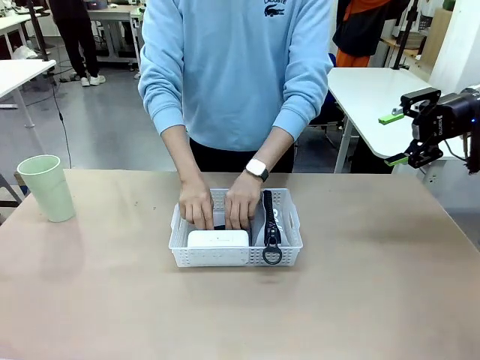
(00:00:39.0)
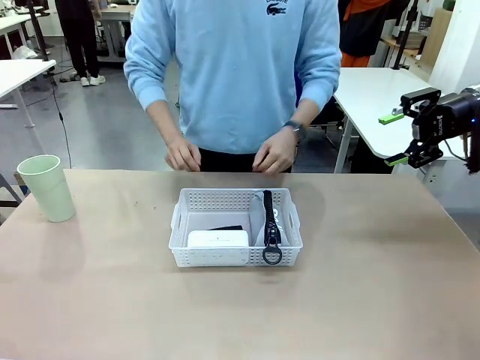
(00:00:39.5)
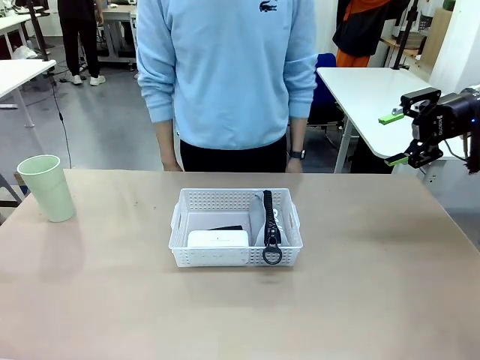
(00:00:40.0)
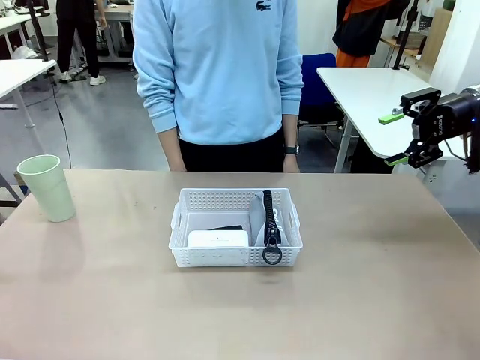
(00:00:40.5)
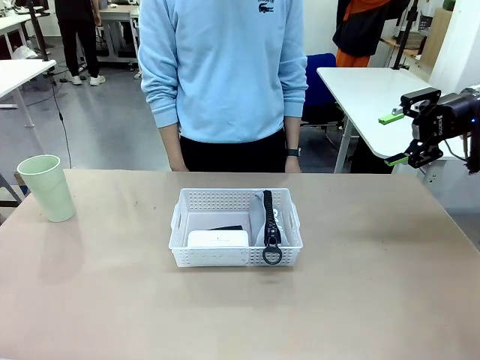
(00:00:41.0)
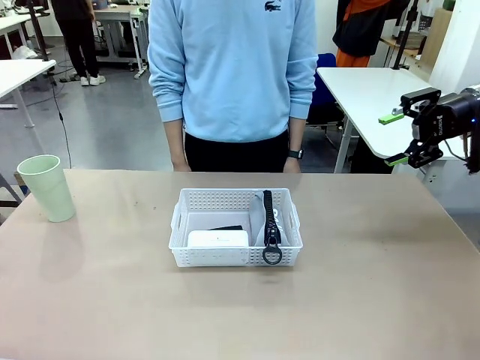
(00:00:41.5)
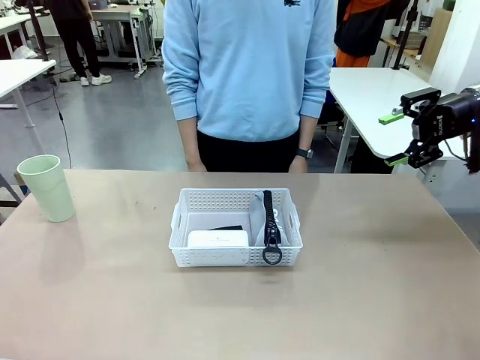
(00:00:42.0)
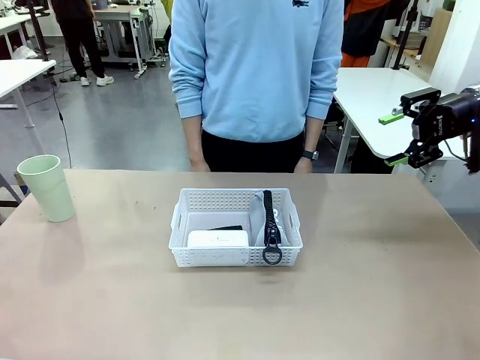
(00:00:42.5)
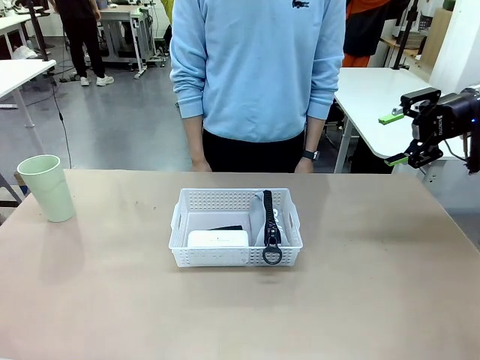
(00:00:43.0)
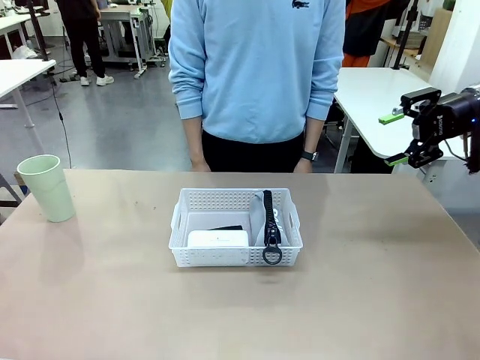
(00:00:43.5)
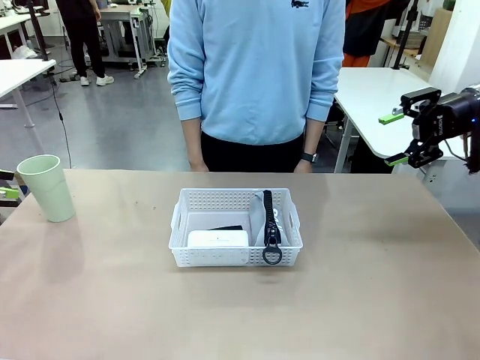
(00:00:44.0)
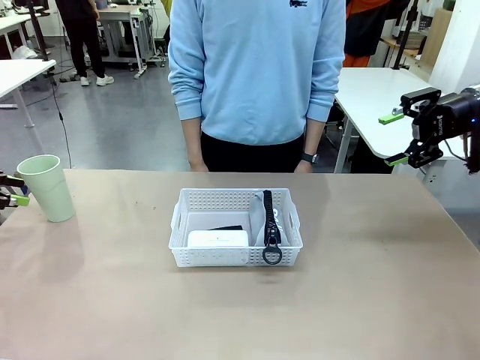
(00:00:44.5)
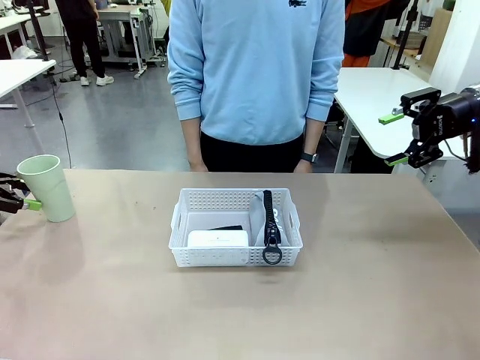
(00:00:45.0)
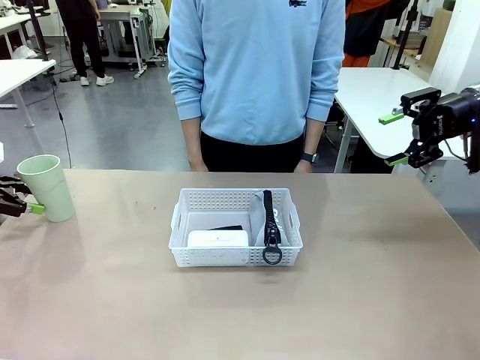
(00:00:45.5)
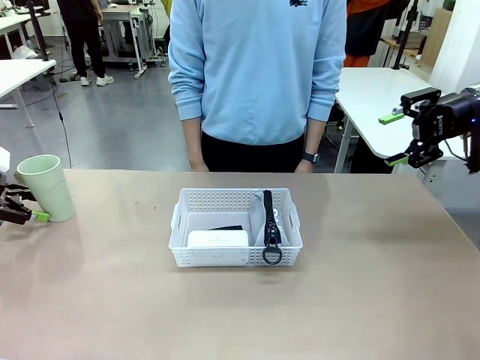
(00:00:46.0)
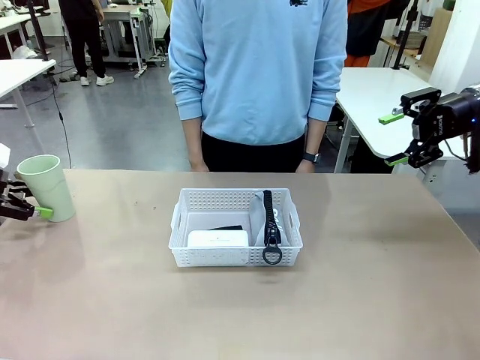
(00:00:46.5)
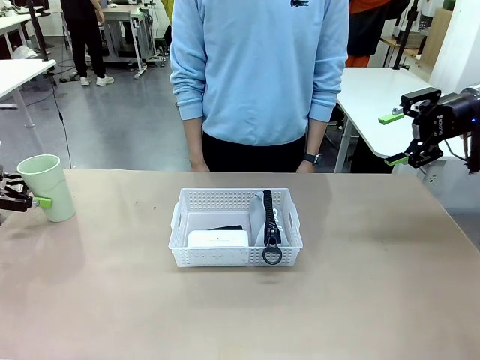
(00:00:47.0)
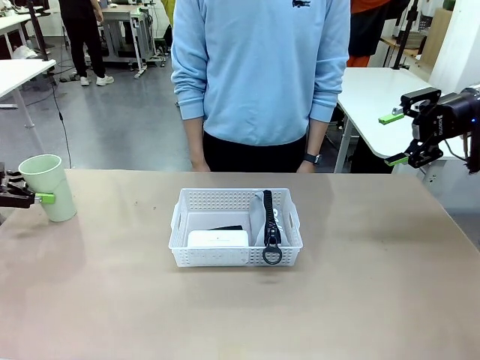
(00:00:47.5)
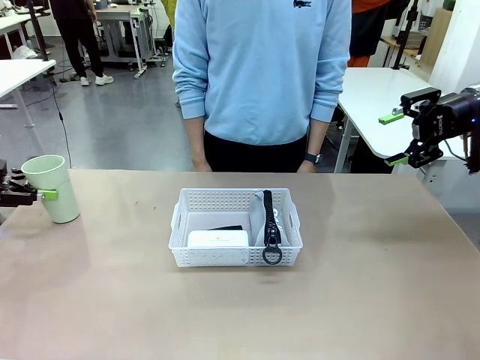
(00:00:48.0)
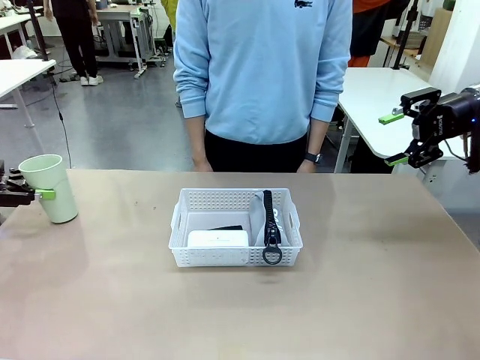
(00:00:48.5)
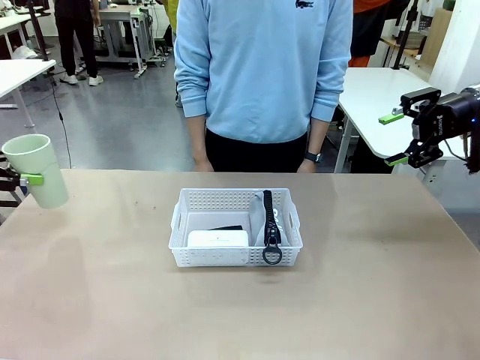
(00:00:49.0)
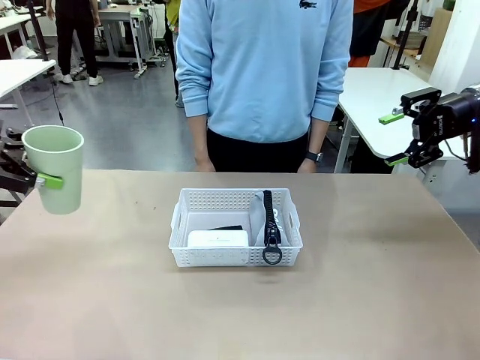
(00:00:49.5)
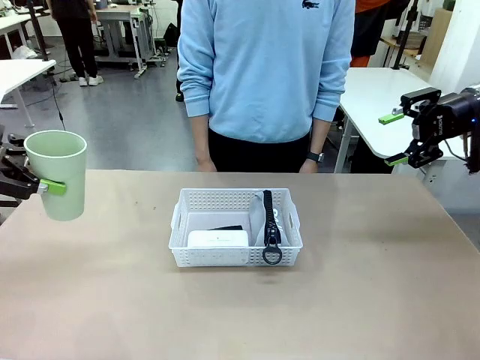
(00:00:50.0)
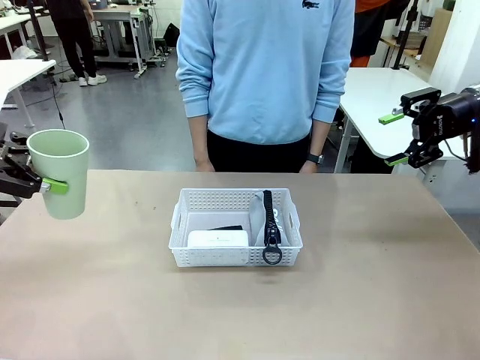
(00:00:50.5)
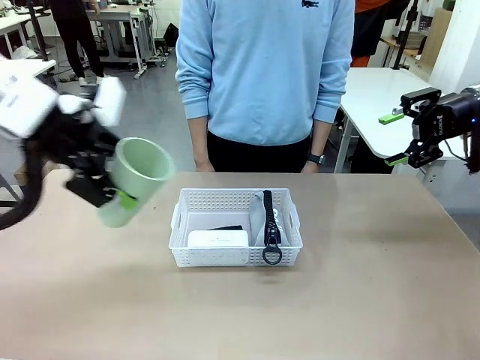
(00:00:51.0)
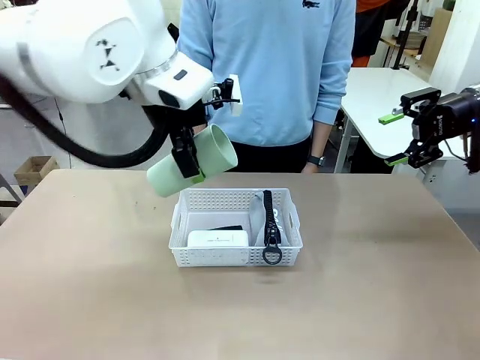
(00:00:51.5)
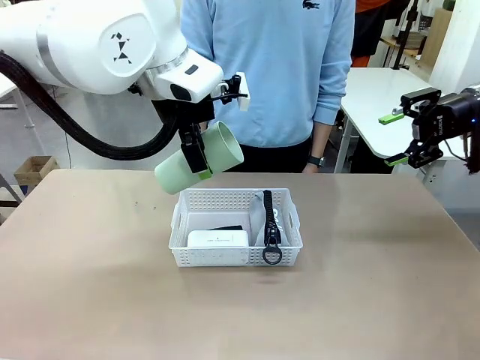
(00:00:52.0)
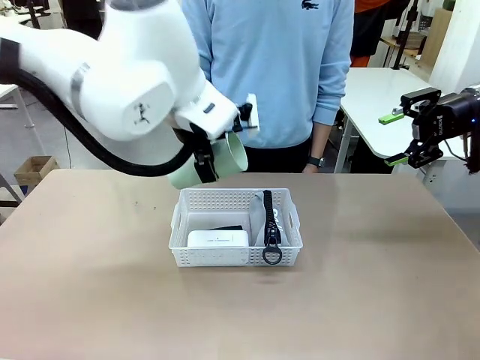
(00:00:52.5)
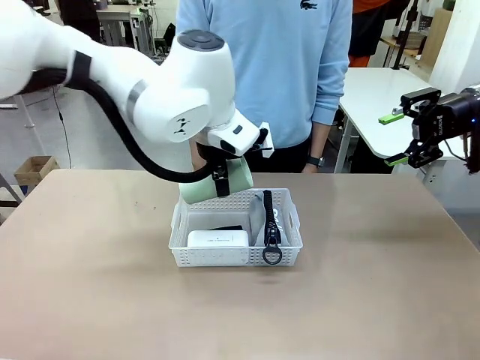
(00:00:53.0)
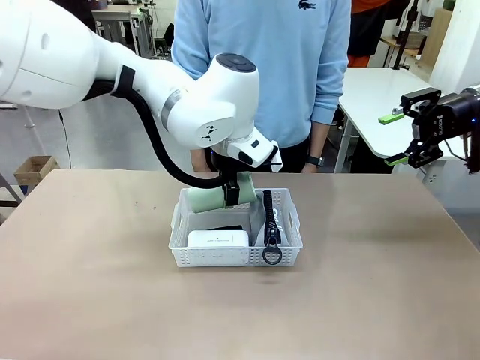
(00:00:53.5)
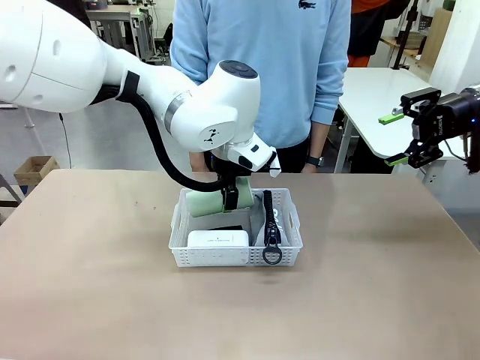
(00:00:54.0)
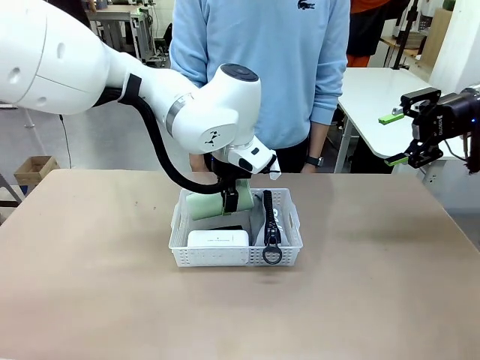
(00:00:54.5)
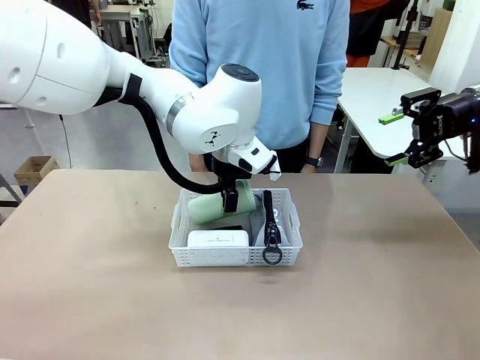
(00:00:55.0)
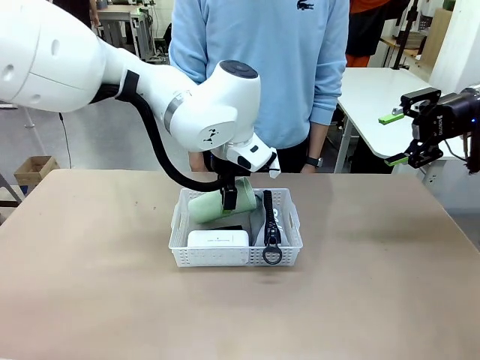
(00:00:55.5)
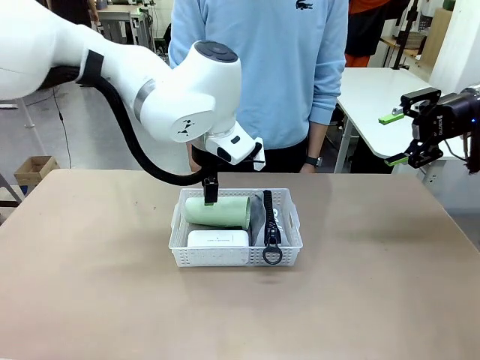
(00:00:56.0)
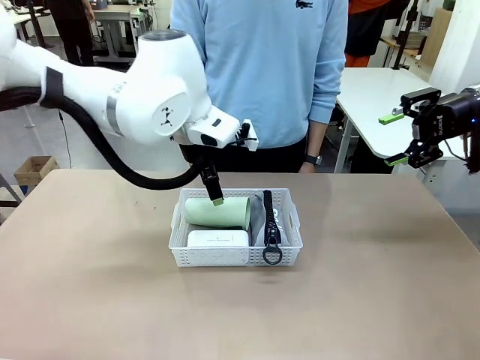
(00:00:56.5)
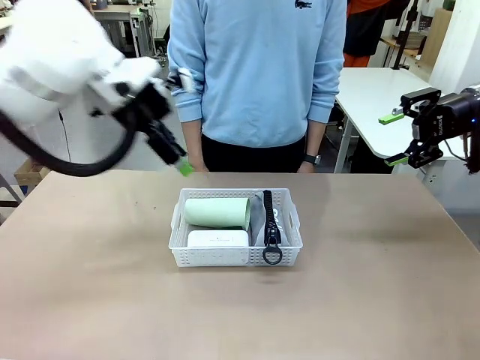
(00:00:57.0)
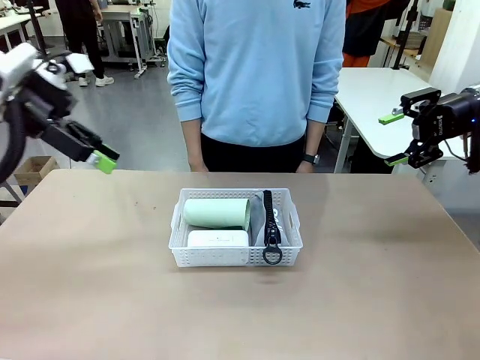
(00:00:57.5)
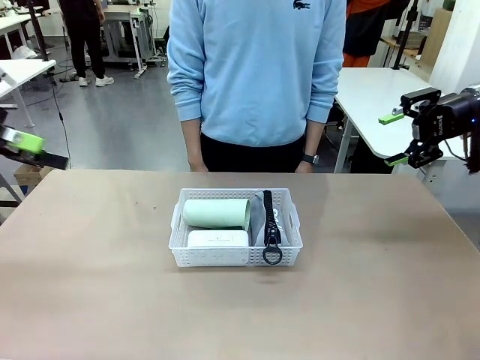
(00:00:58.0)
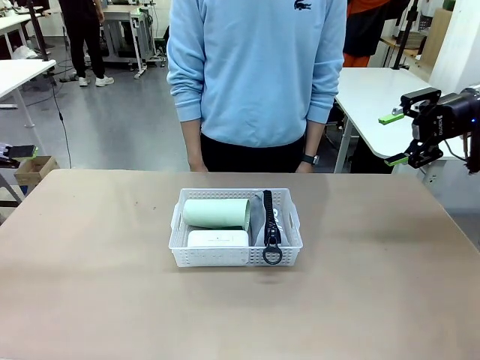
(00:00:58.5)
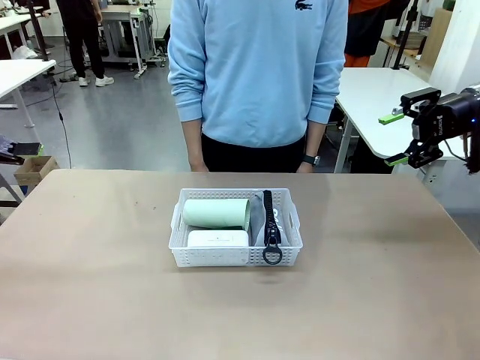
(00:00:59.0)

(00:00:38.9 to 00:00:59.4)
Task: Efficiently arrange items inside the basket to fit them all.
Robot: Pick up the Reusable plastic cup and place it inside the Organizing basket.
Person: Repositions the stapler.

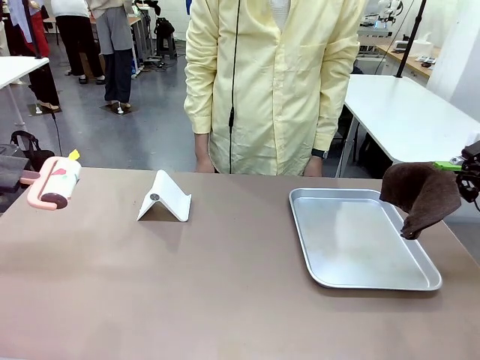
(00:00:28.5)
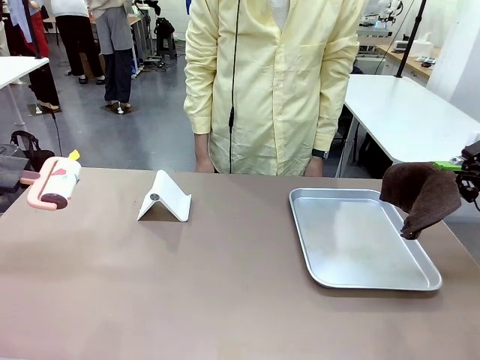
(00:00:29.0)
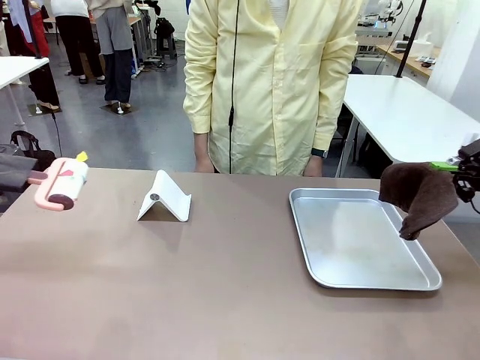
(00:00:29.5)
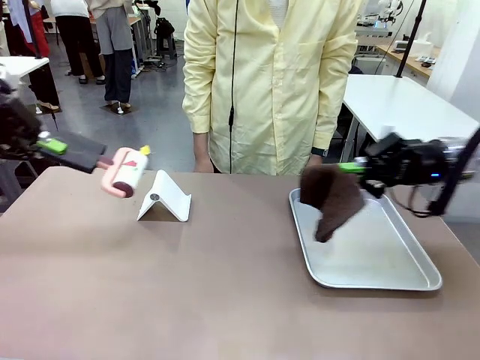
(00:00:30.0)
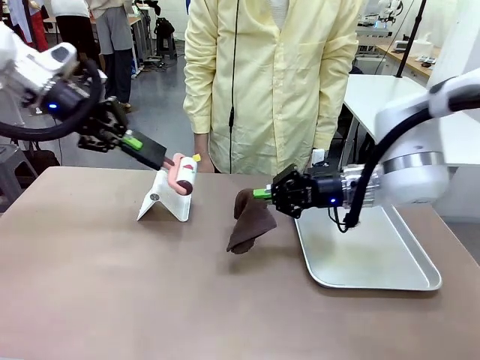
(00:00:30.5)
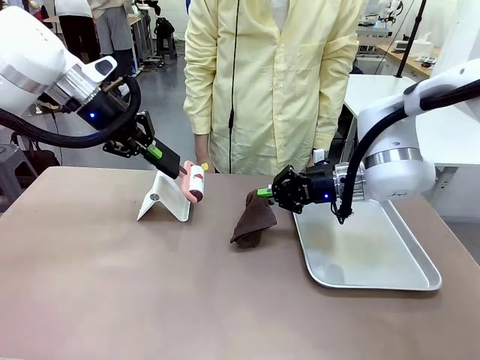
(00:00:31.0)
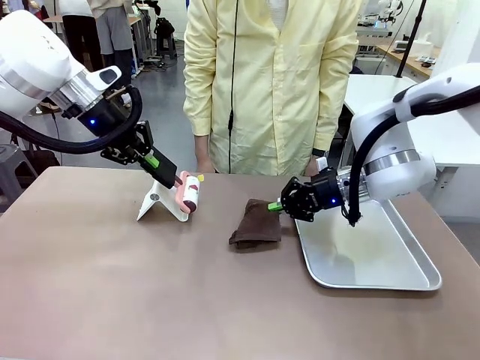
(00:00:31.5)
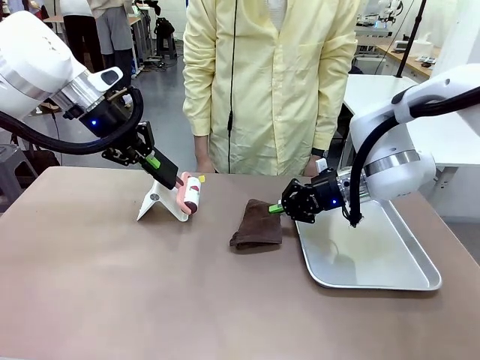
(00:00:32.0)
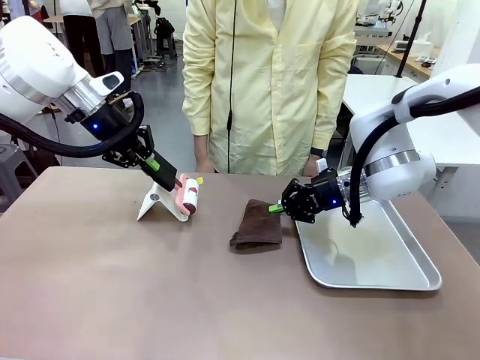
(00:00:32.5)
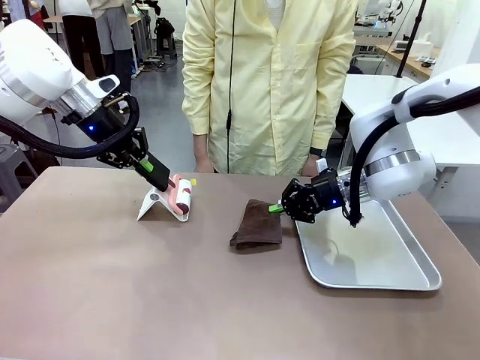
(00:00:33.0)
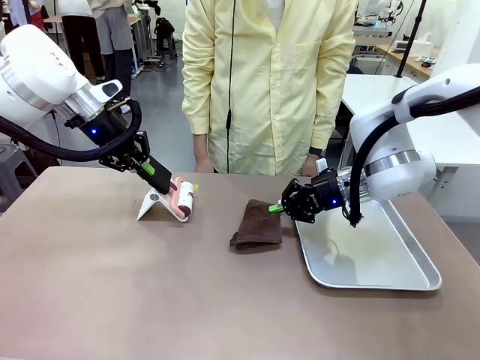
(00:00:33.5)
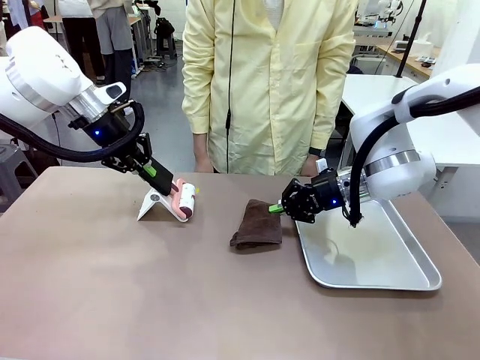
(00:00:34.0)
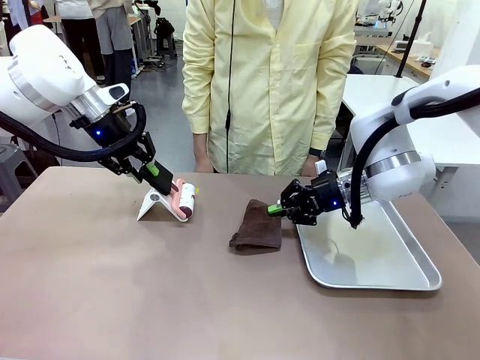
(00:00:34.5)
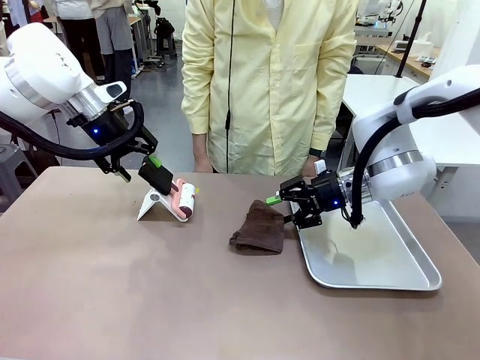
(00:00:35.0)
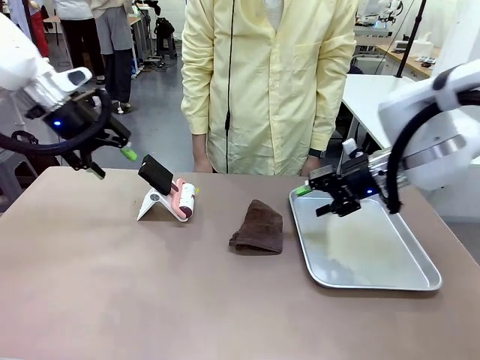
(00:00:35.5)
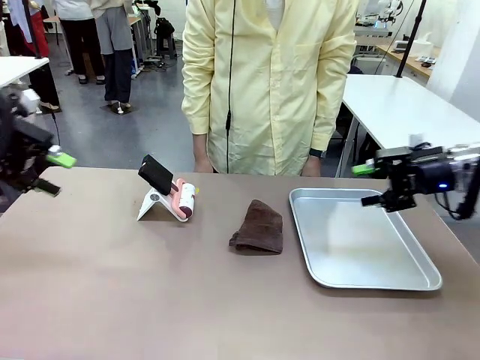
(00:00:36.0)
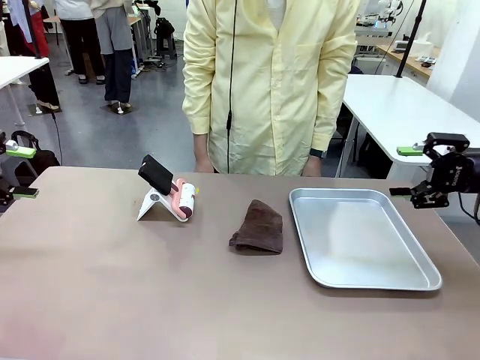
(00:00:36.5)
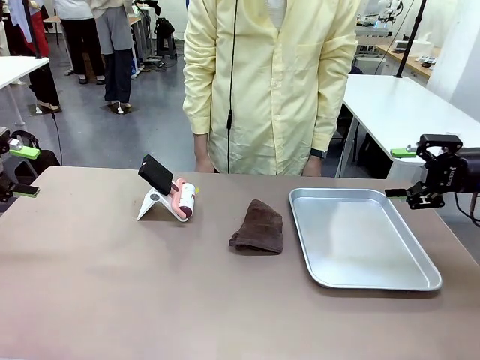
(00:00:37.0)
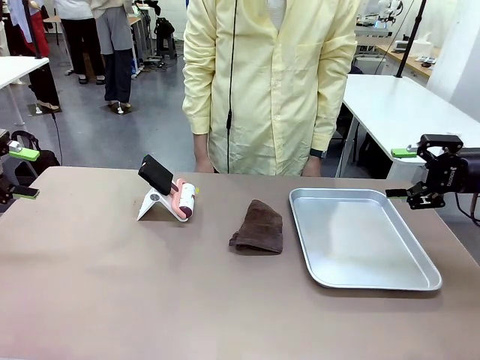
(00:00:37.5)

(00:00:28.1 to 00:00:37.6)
Task: Clean the surface of the table.
Robot: Return the Lint Roller and towel to their original positions.
